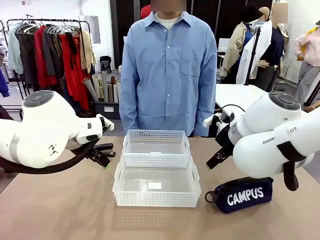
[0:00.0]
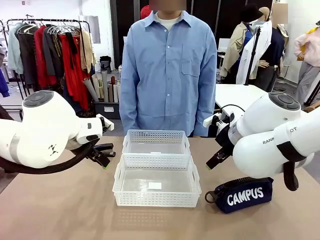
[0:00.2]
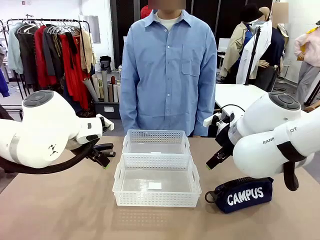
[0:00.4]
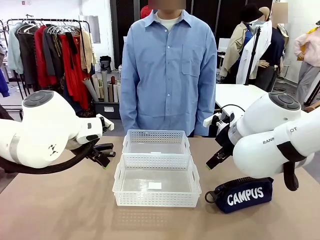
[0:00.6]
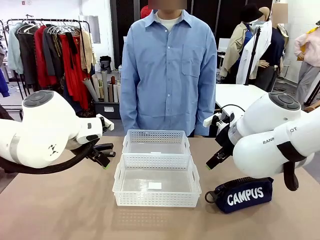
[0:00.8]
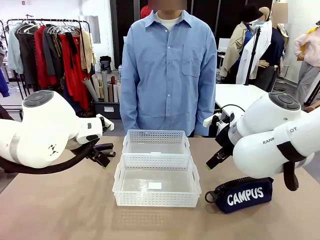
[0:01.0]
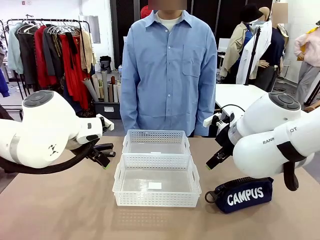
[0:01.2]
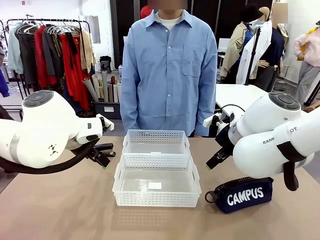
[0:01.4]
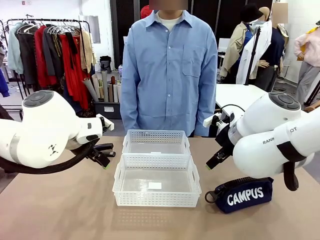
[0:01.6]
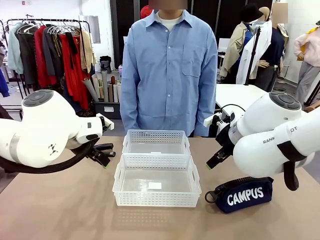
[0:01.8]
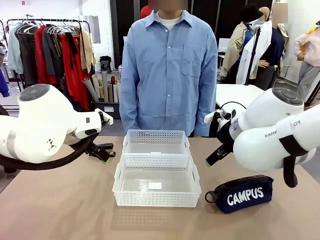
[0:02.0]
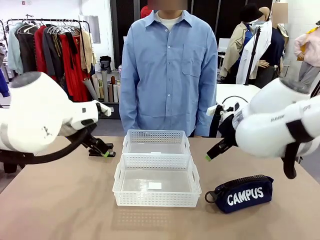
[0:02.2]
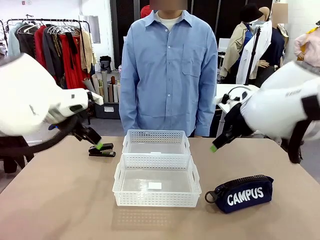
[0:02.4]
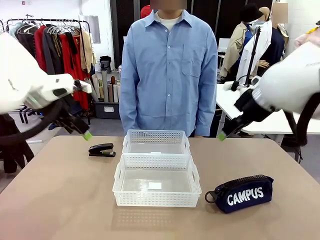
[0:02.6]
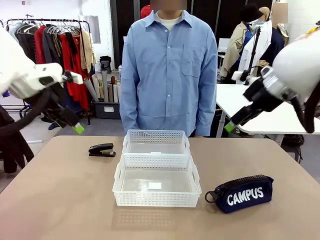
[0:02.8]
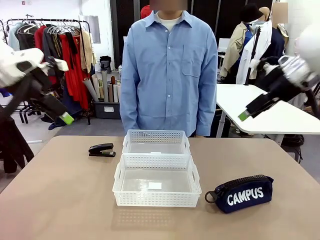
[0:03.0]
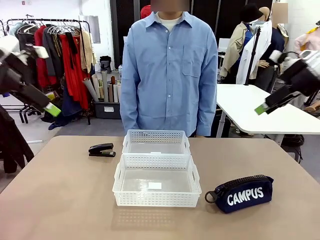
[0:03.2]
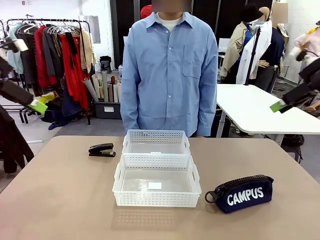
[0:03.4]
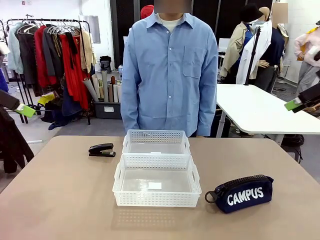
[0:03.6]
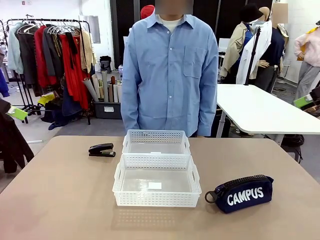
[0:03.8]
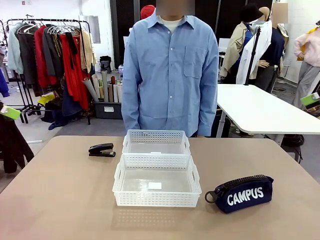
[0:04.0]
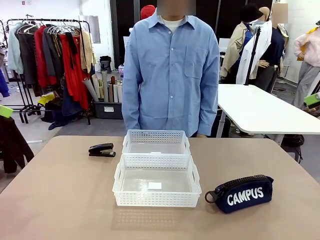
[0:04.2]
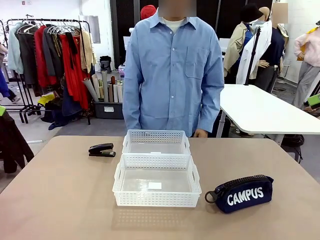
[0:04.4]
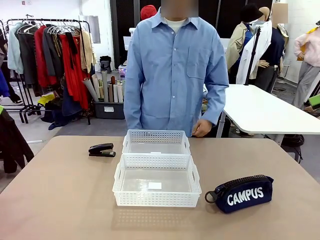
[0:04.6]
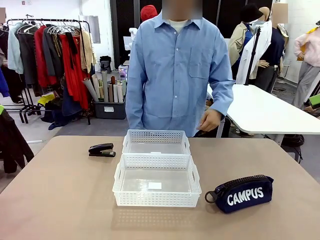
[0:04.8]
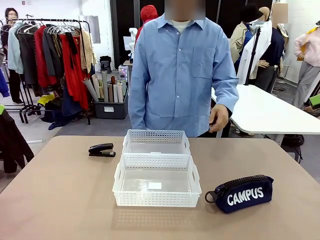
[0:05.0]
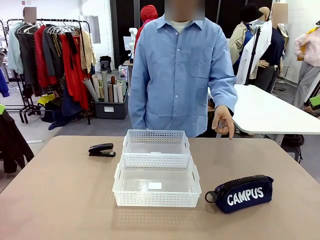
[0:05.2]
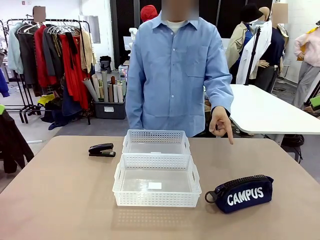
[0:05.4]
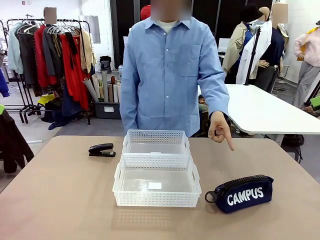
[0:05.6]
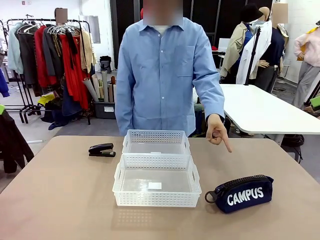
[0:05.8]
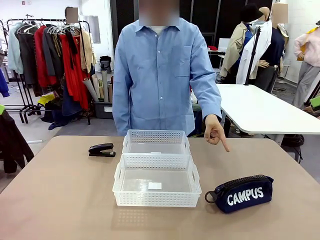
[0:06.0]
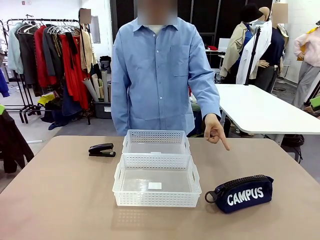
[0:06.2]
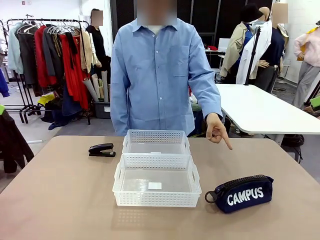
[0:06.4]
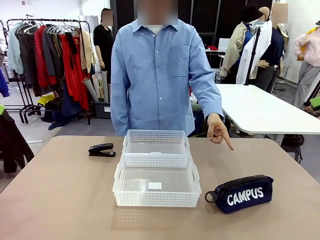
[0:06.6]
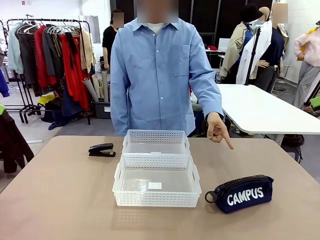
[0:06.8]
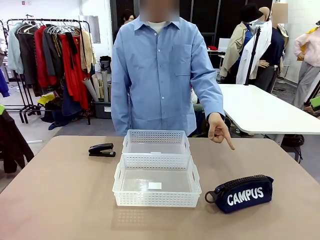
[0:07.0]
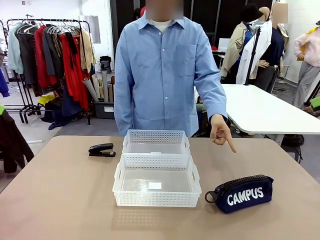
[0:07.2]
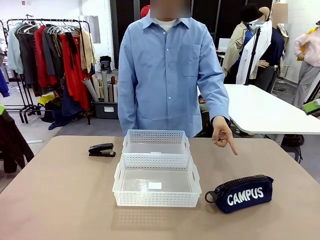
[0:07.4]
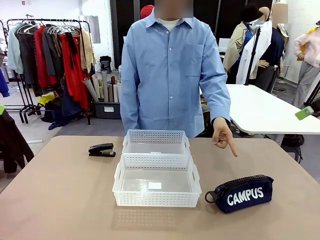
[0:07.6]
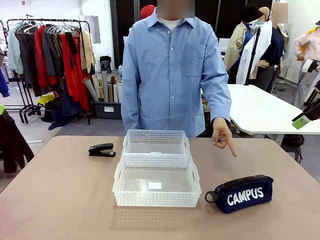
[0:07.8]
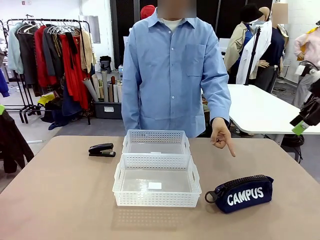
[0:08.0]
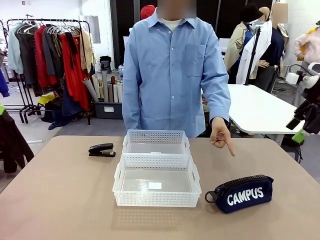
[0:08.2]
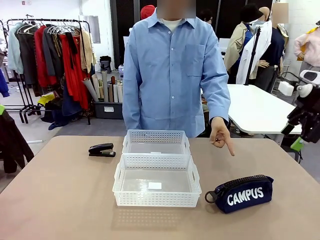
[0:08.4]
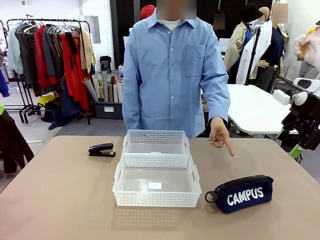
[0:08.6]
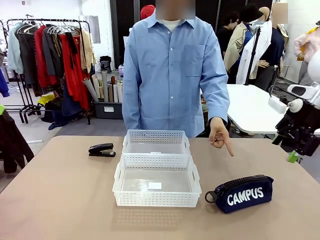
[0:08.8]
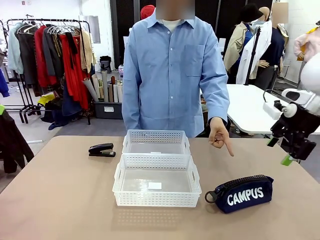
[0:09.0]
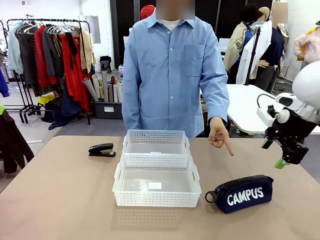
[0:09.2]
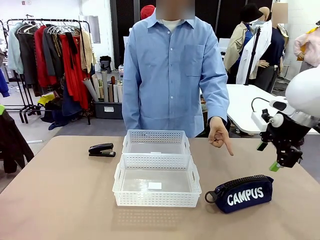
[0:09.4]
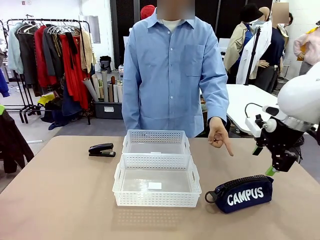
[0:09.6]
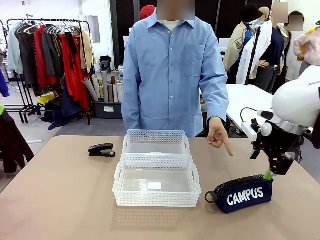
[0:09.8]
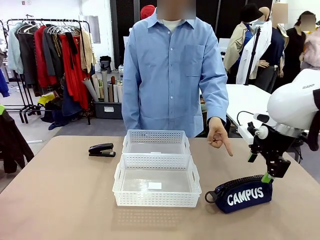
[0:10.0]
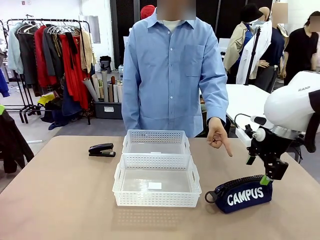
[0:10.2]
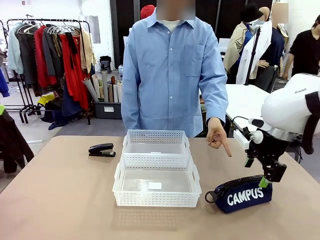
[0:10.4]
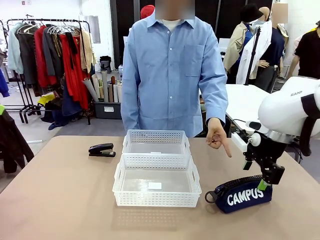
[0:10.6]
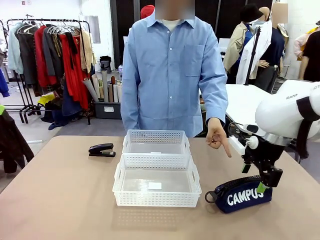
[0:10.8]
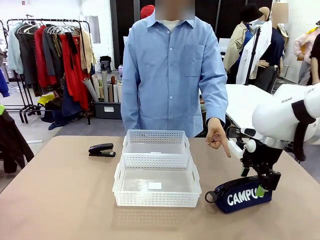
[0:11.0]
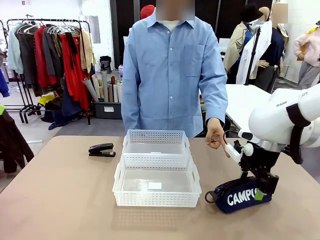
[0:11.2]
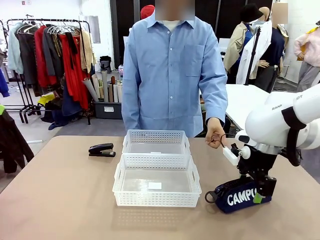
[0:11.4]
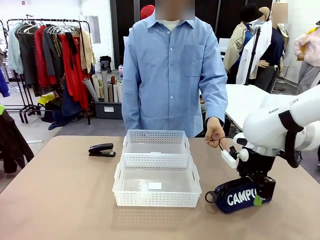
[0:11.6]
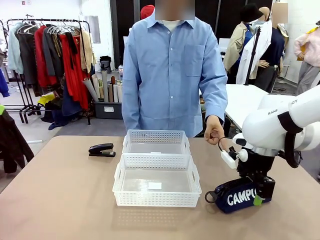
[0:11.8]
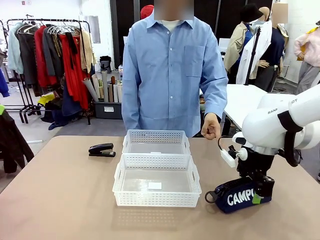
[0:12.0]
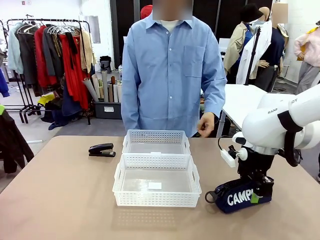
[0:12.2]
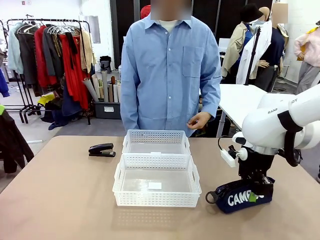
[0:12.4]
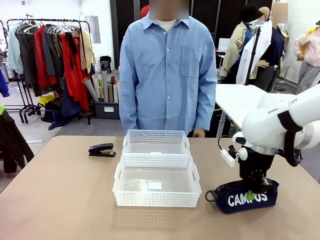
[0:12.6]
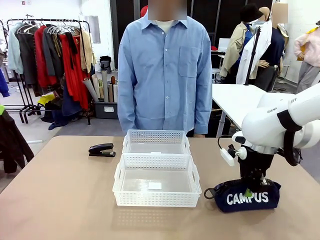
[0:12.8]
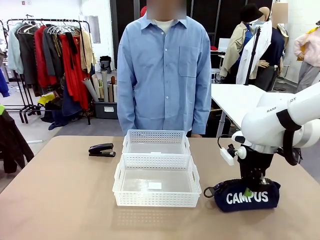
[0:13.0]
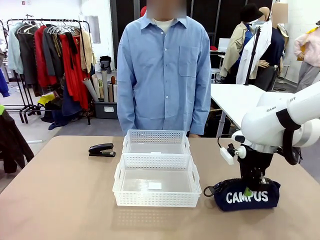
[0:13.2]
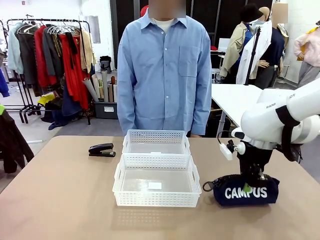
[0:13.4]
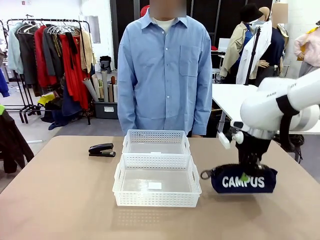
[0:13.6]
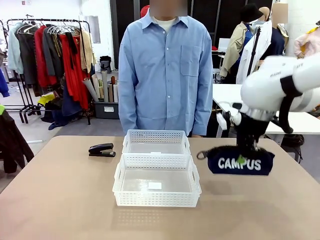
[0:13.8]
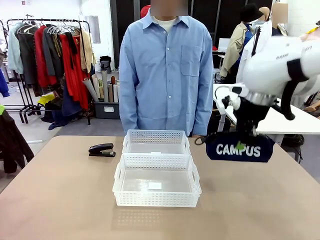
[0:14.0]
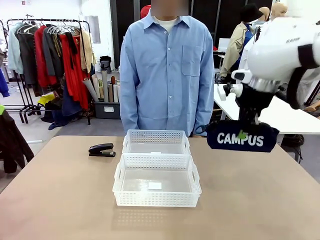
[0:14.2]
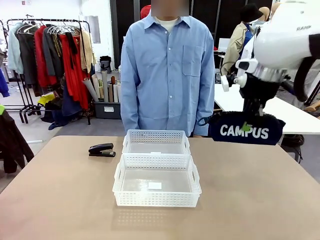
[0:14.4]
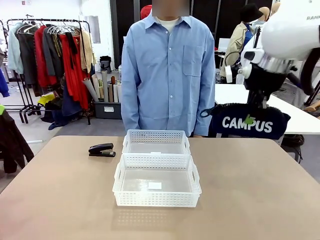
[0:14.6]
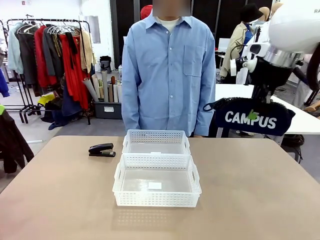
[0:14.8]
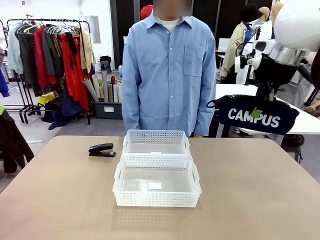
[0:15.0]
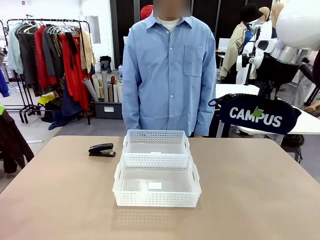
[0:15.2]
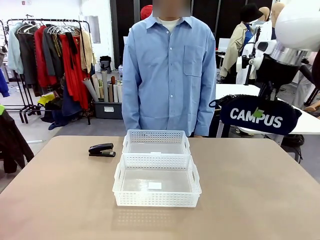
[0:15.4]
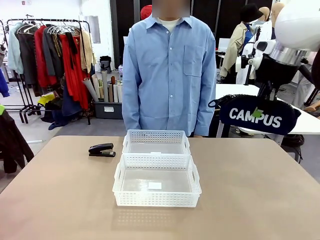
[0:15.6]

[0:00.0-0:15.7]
Task: Distribute items into two baskets.
Robot: Pick up the Pencil pouch that the person points to.
Person: Points to the pencil case. Points between the two organizing baskets and instructs the robot to move the pencil case.

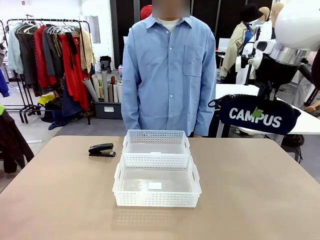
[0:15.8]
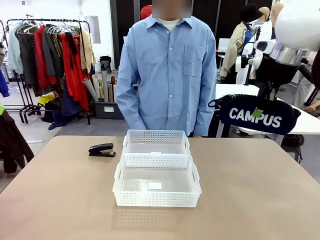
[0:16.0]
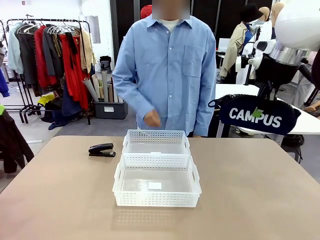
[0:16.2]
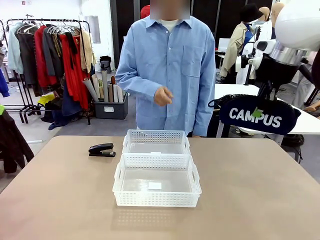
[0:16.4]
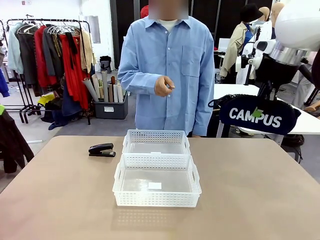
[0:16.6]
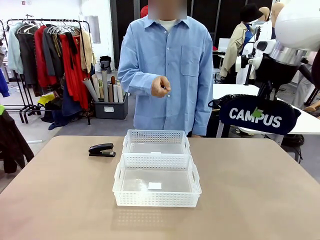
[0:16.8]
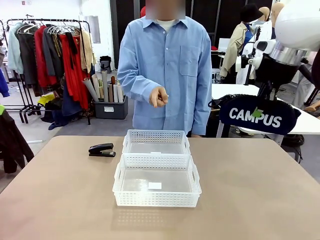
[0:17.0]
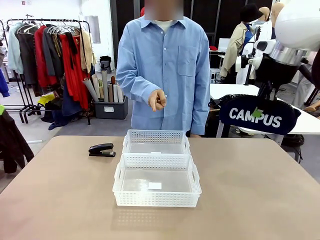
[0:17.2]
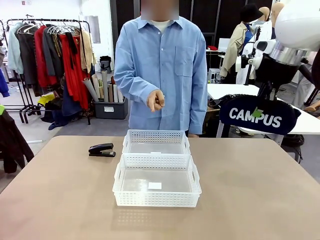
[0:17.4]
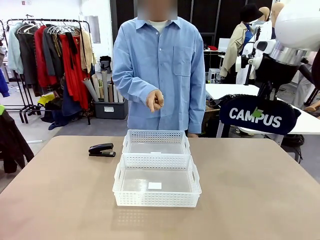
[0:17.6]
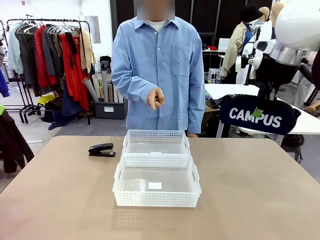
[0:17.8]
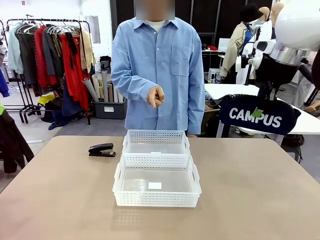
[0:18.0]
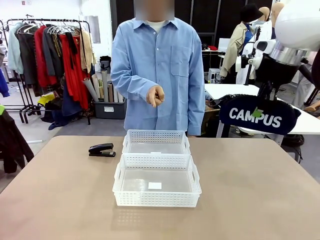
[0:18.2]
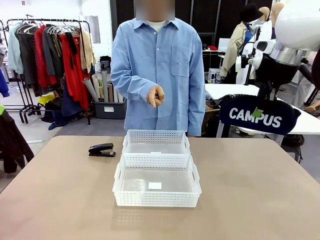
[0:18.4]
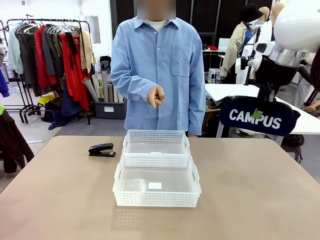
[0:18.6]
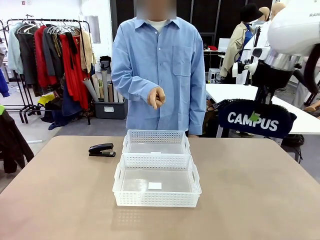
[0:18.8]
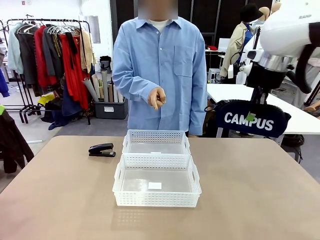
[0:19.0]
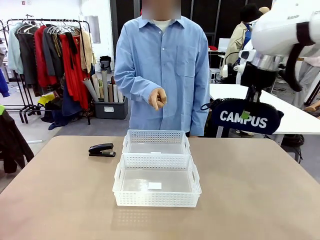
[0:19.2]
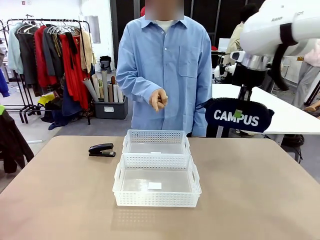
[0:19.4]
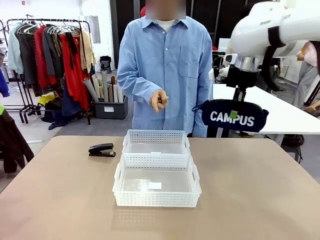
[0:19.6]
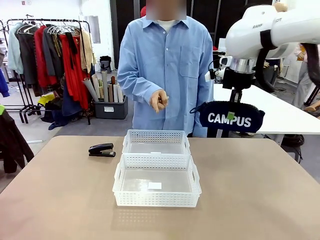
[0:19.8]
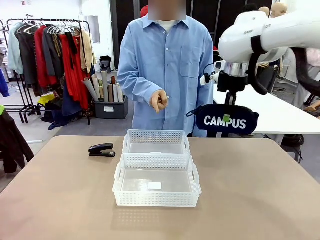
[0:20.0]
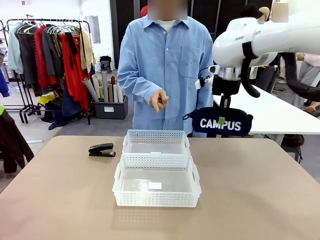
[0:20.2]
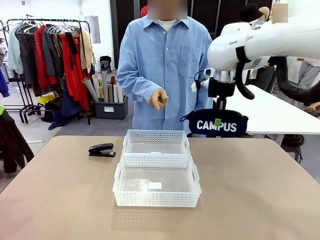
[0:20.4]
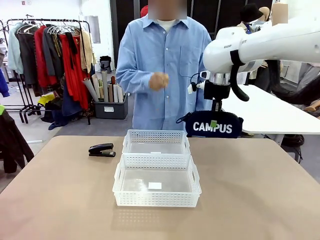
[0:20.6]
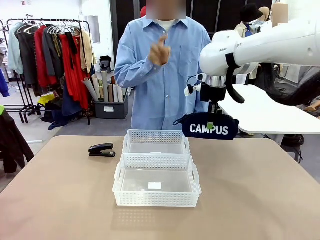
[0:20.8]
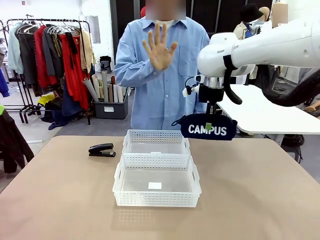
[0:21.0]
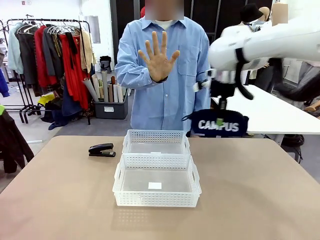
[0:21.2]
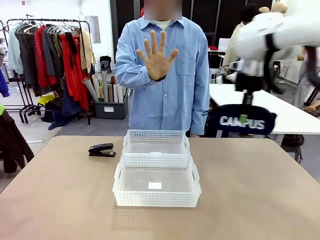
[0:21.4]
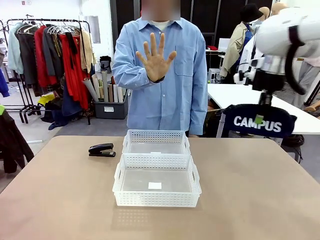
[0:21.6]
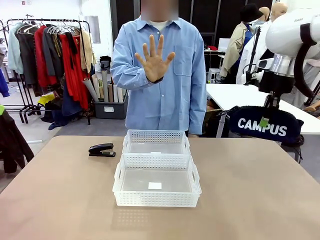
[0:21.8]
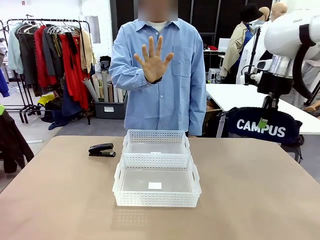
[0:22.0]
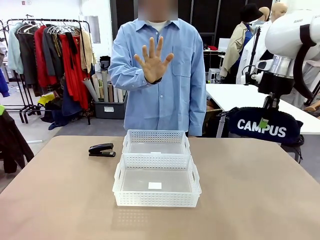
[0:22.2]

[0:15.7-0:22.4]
Robot: Move the picked Pencil pouch towards the Organizing basket indicated by the person, stopping as directed.
Person: Sends a stop gesture before the robot places the pencil case into the basket.
